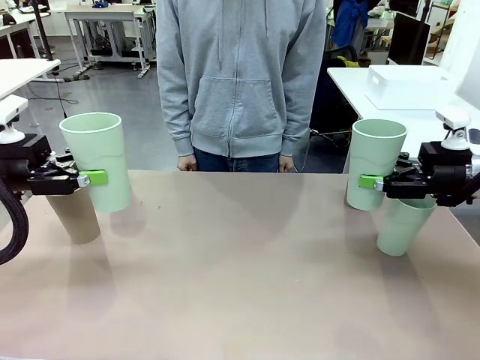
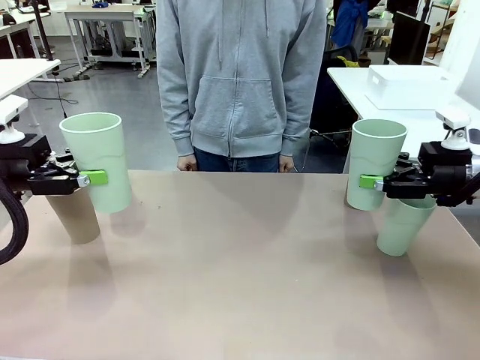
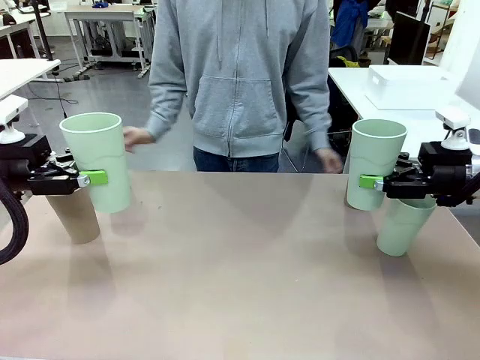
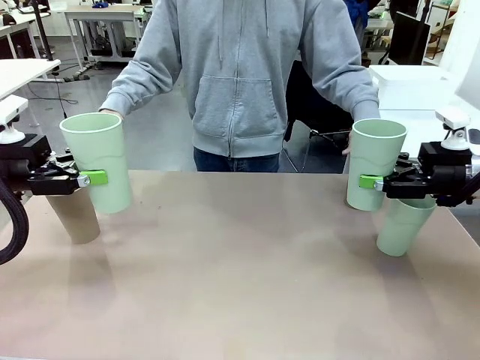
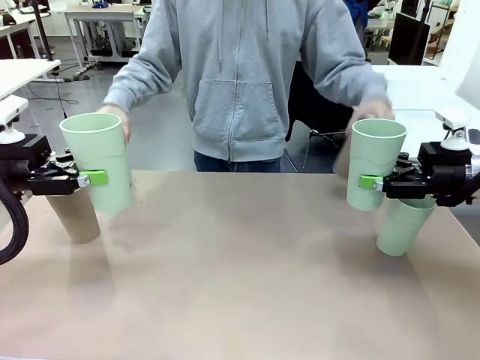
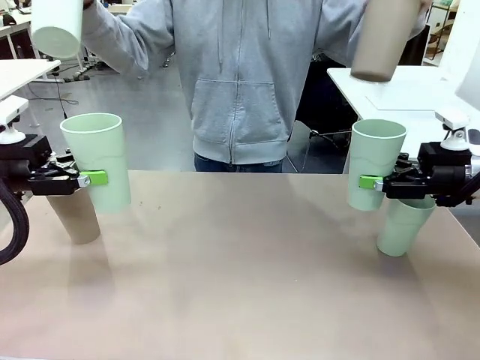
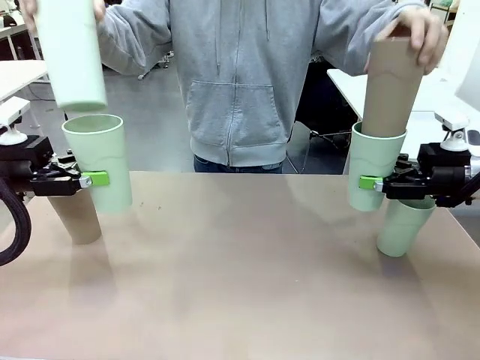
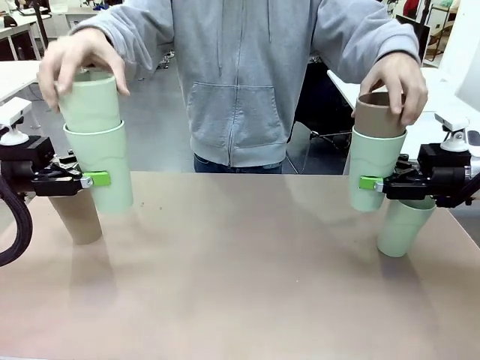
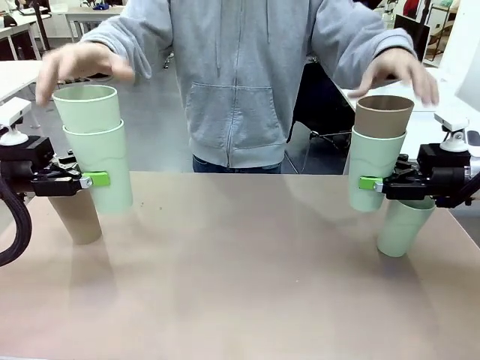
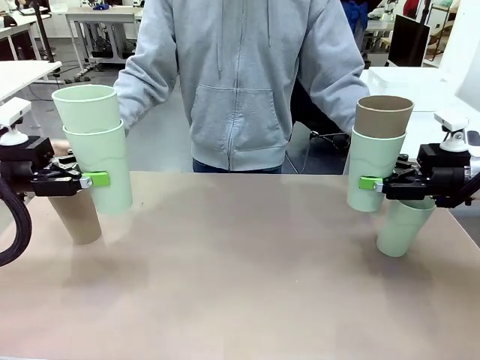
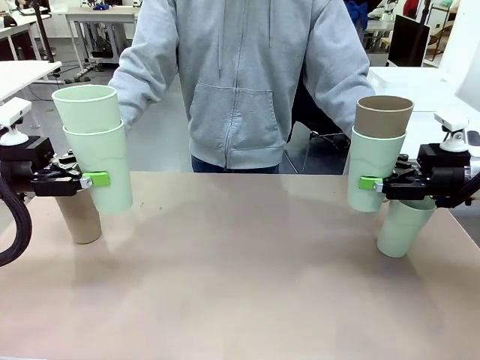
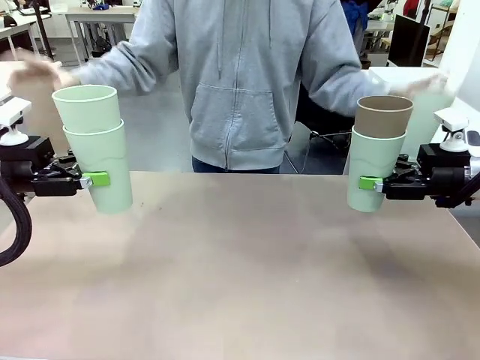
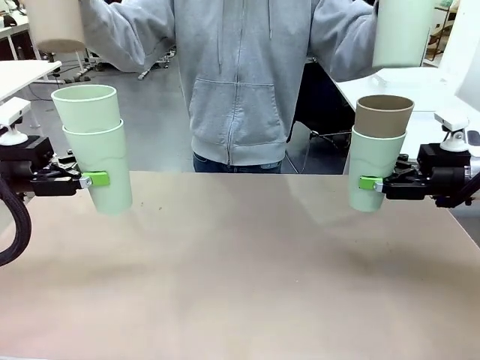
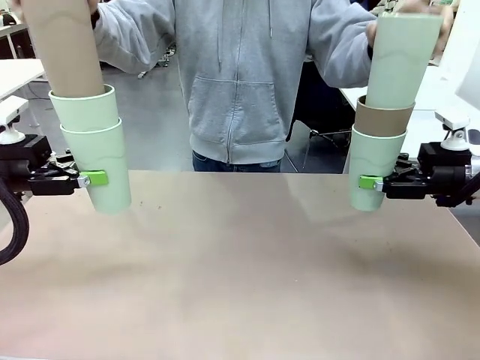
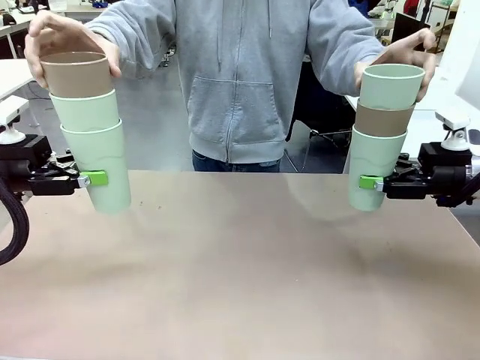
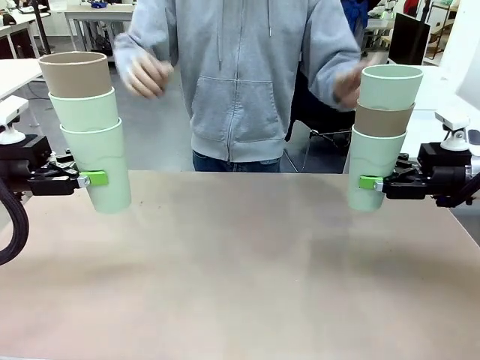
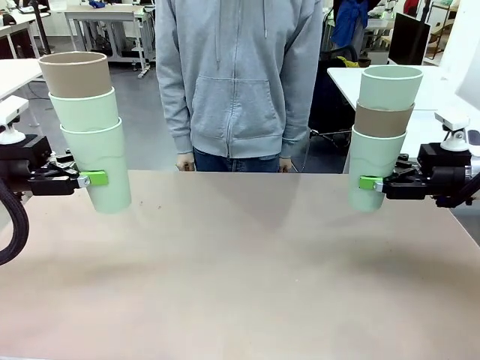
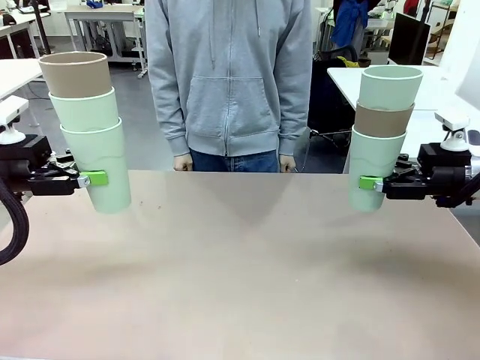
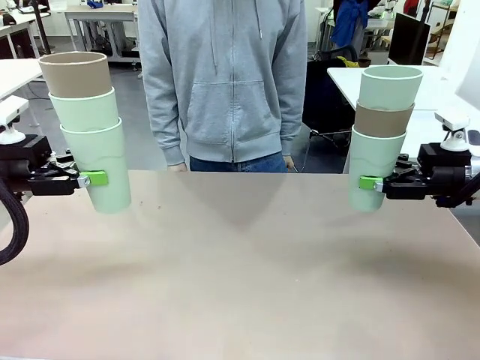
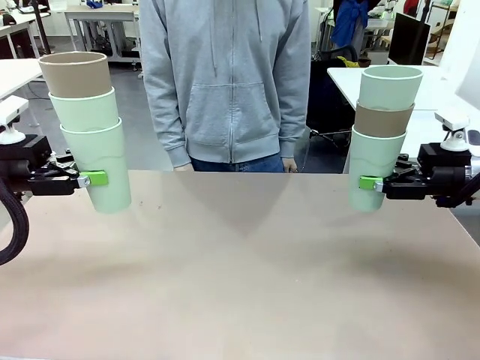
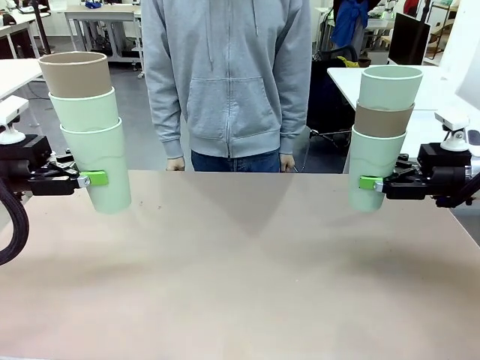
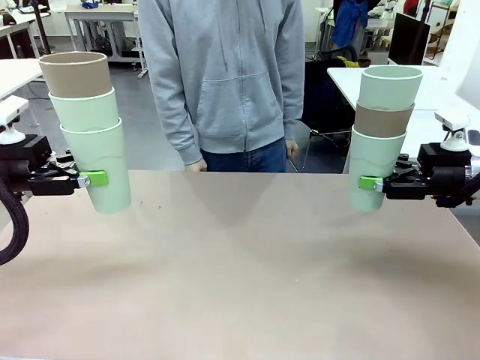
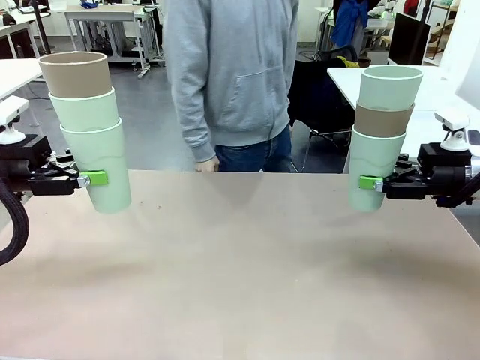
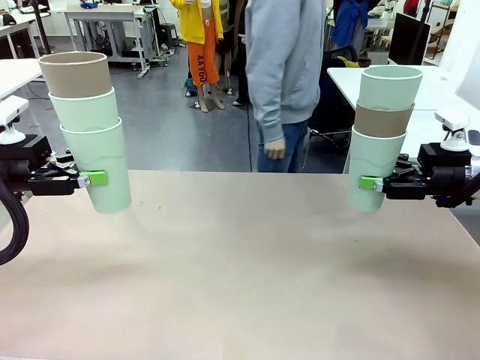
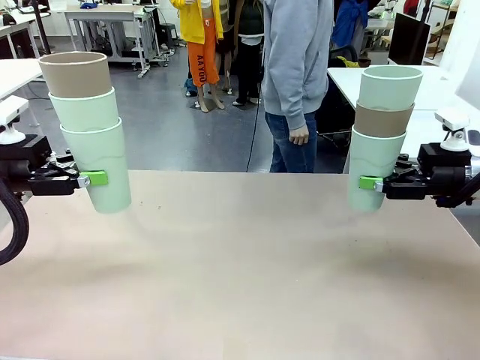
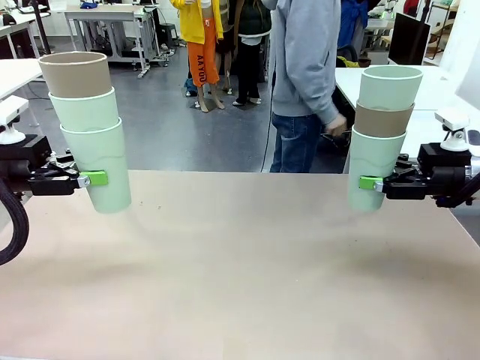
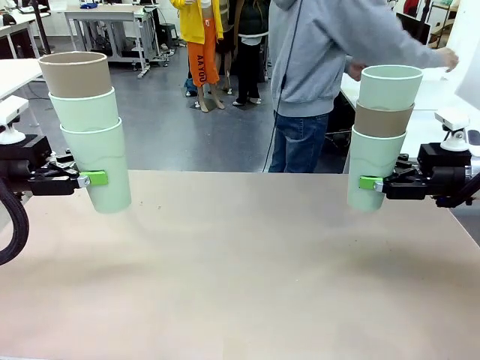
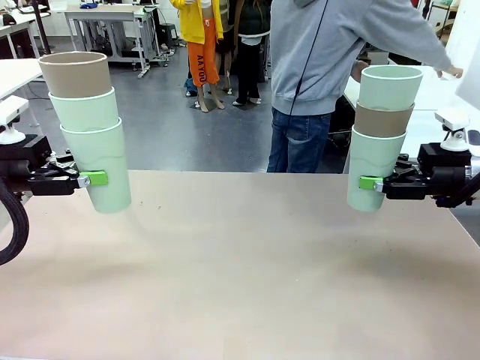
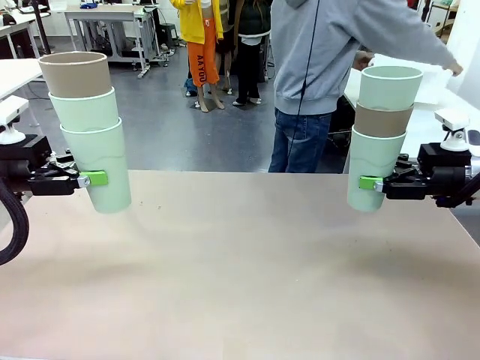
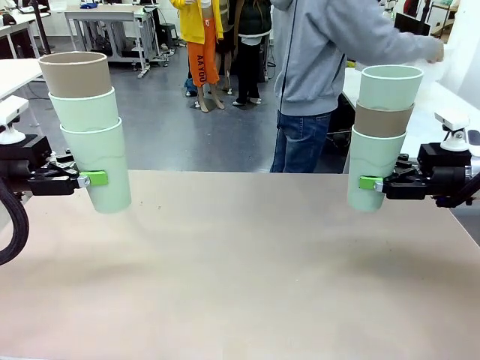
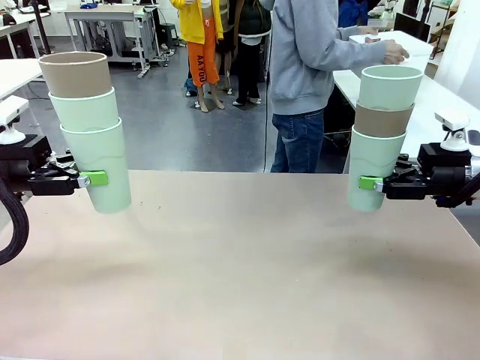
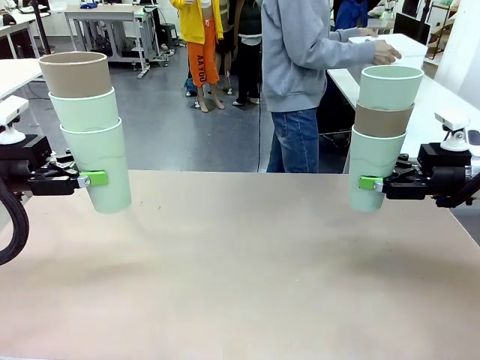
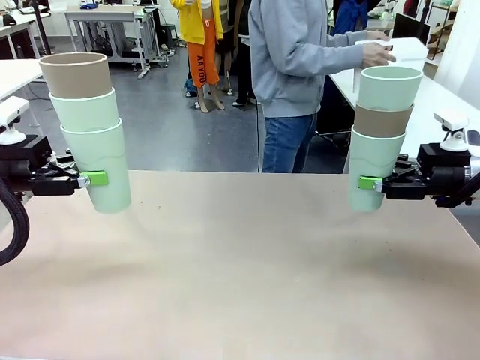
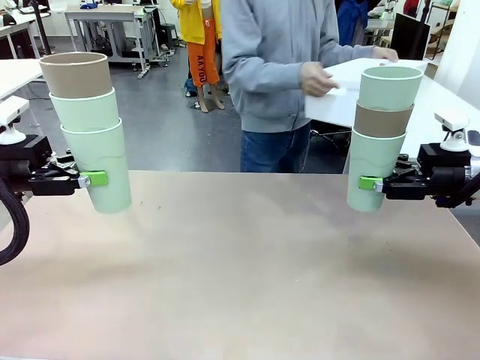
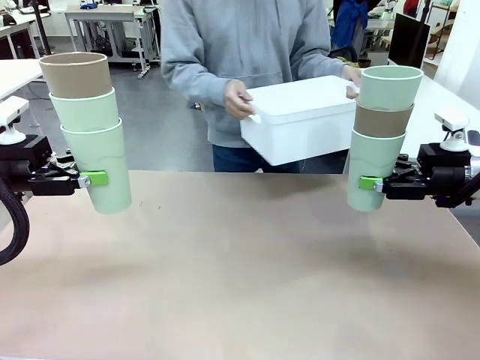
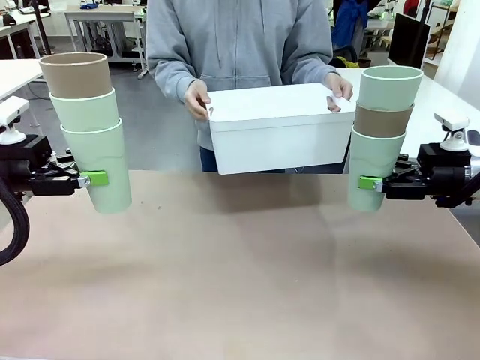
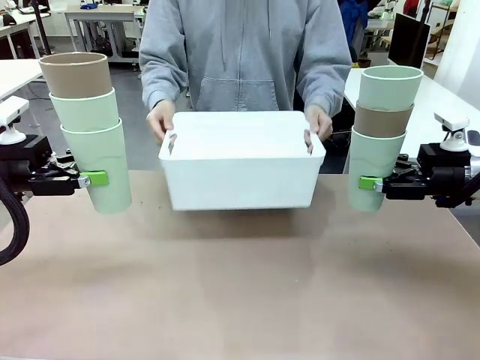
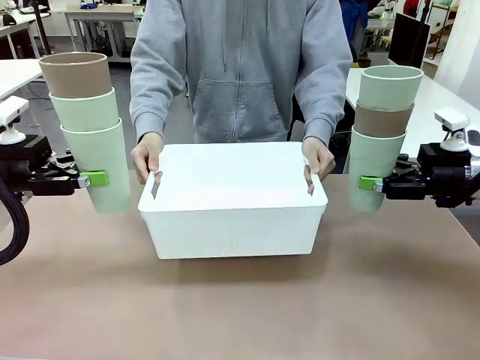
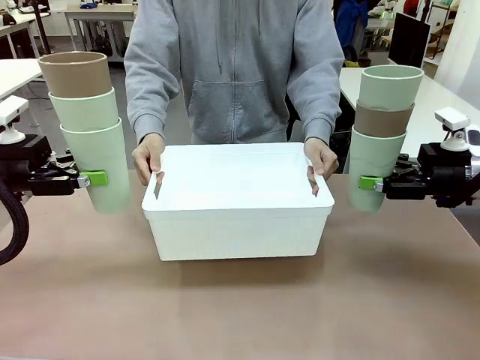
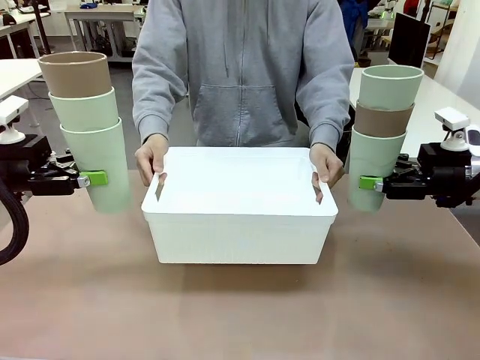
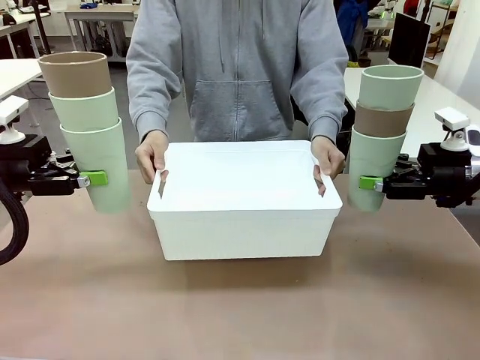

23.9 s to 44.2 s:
Task: Stack the cups and store them in the basket.
Robot: Place the stack of Reusable plastic cups into the Pantry Basket.
Person: Pick up the basket from the Human Table, bring it to the front of the robot, and present it.

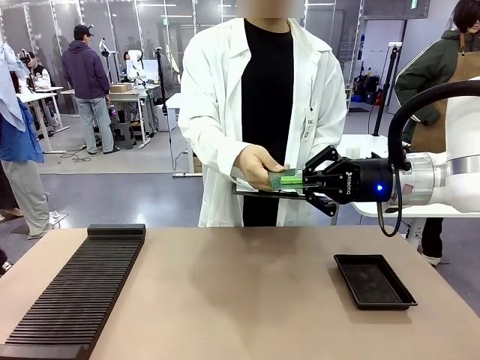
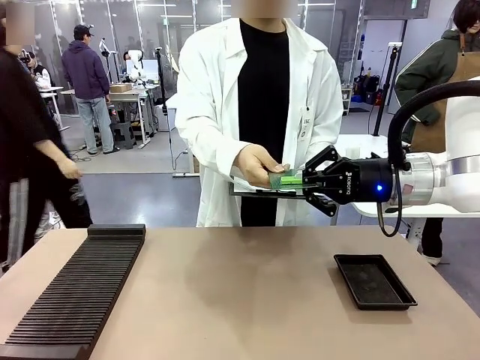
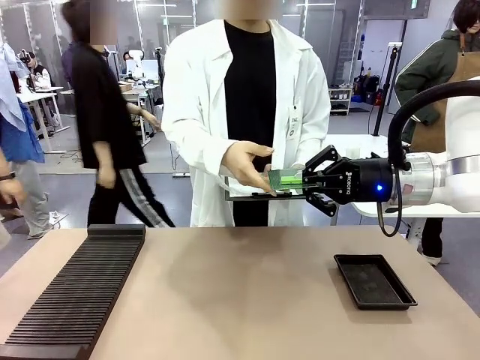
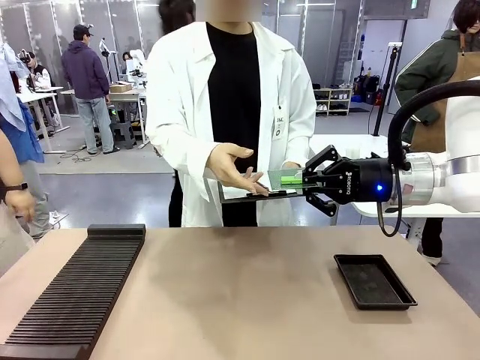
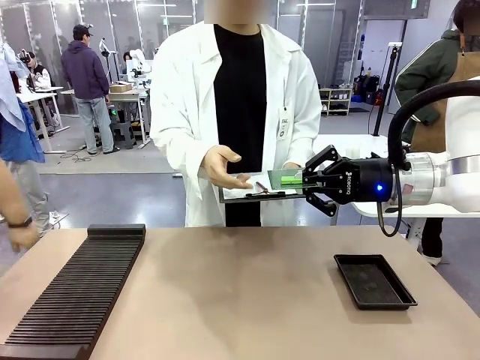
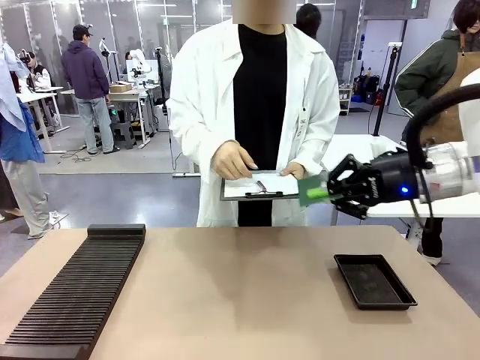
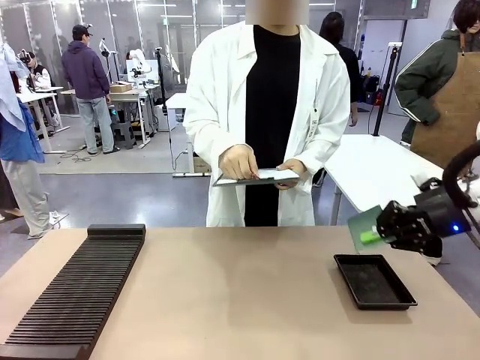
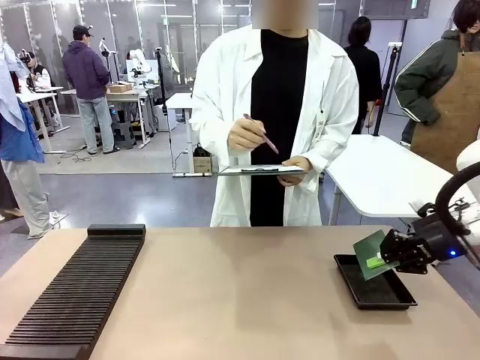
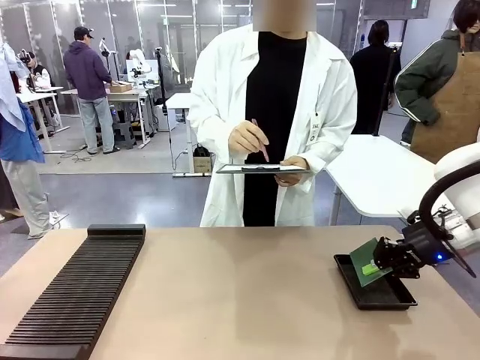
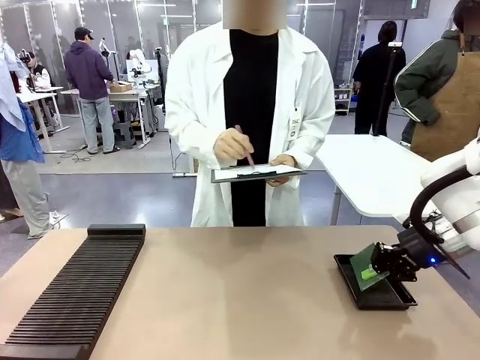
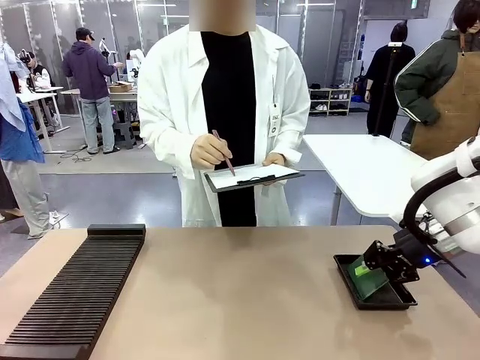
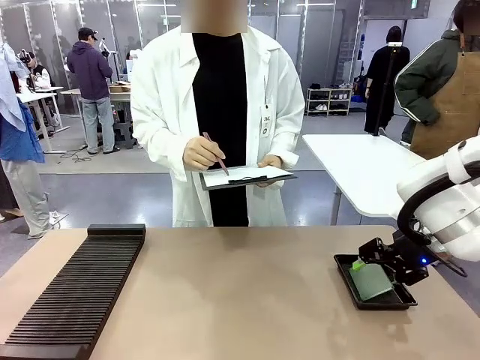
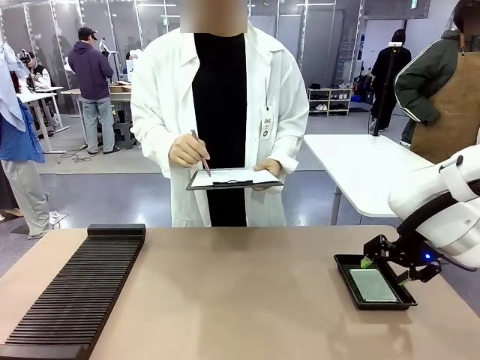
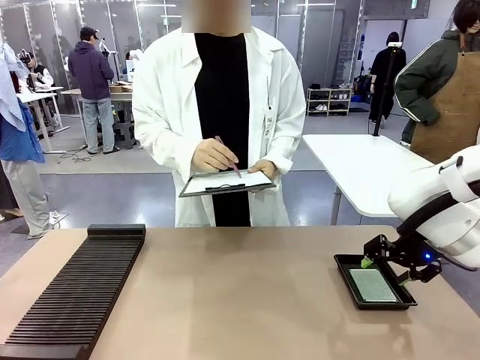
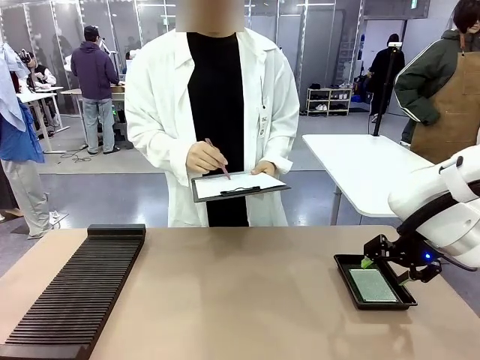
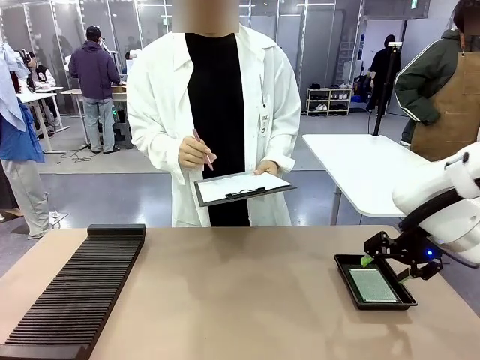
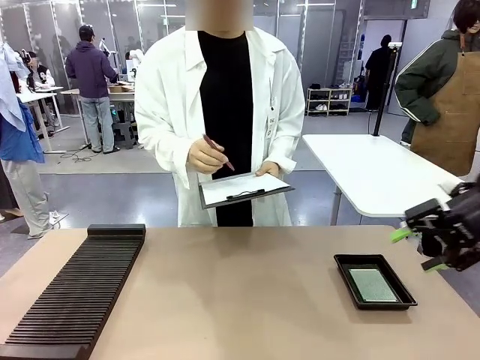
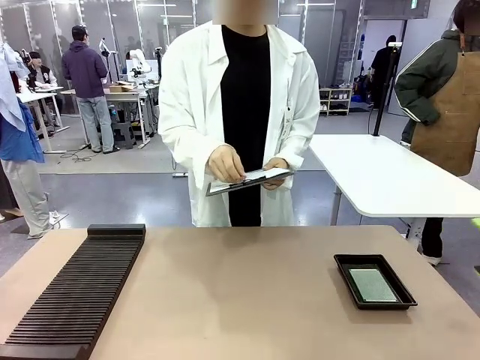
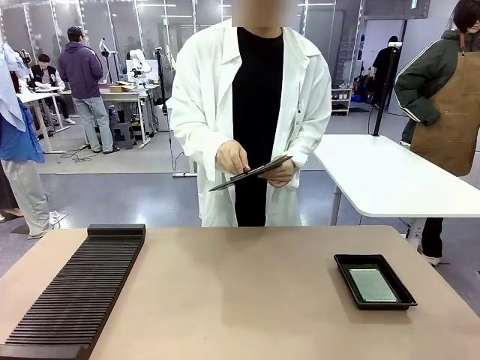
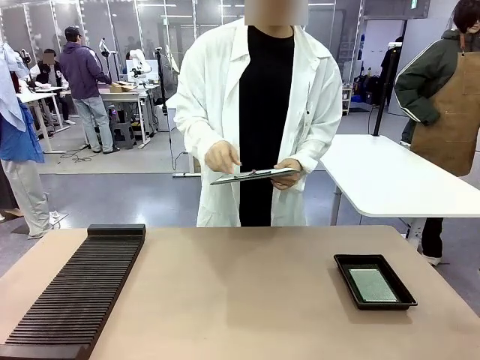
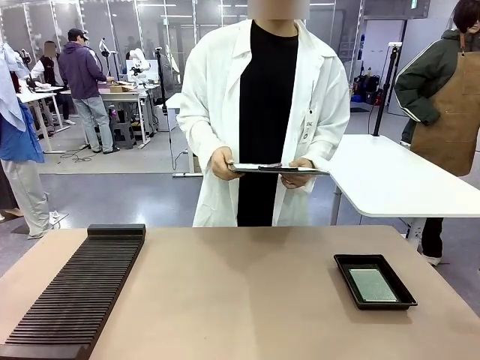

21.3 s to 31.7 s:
Task: Inspect the PCB.
Robot: Place the Blank PCB in the ESD tray.
Person: Record the PCB status on the paper.
